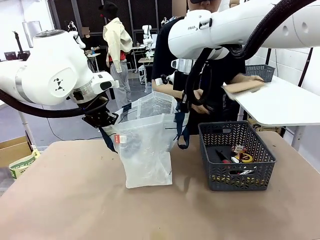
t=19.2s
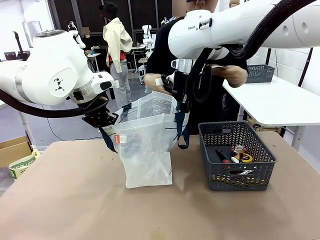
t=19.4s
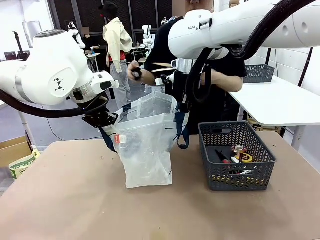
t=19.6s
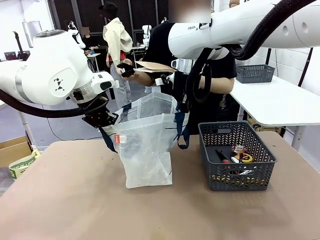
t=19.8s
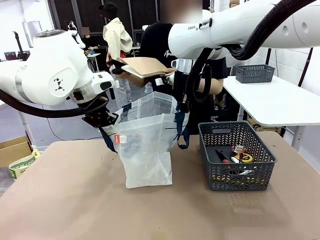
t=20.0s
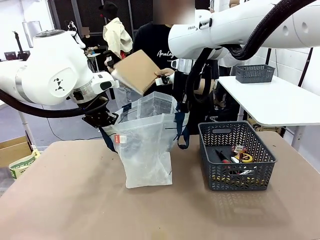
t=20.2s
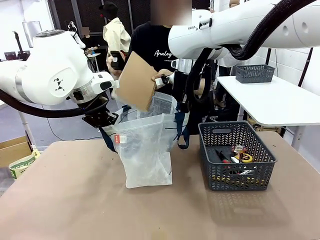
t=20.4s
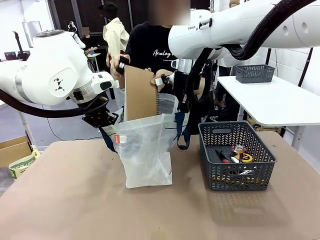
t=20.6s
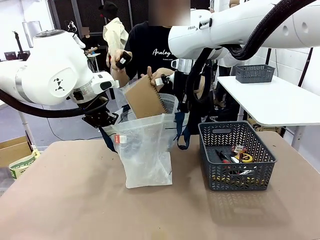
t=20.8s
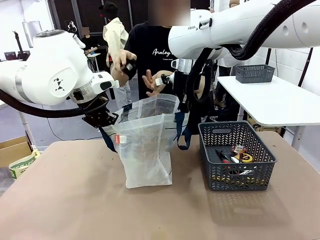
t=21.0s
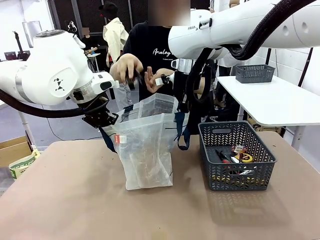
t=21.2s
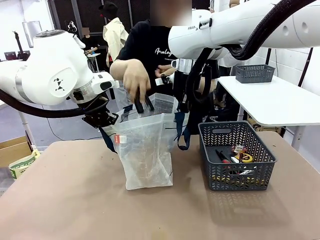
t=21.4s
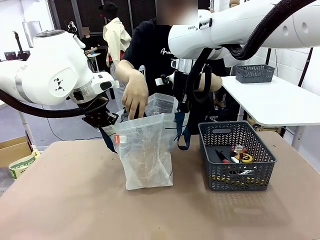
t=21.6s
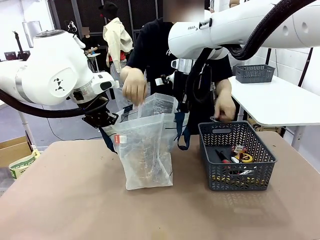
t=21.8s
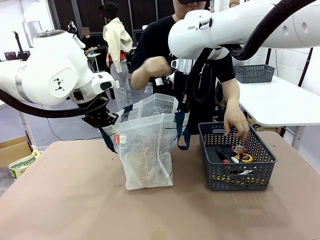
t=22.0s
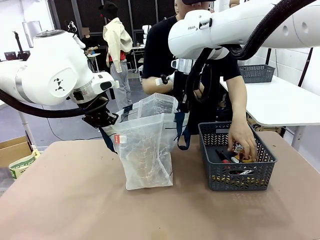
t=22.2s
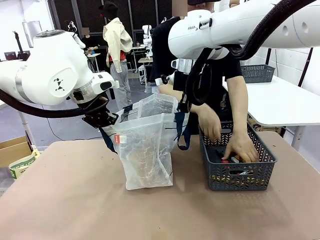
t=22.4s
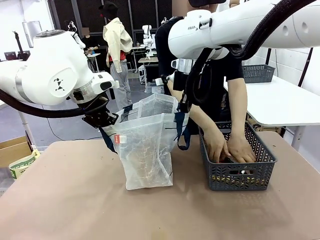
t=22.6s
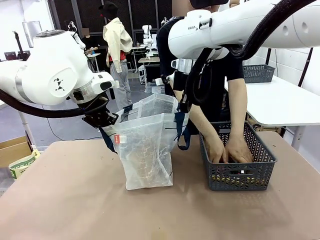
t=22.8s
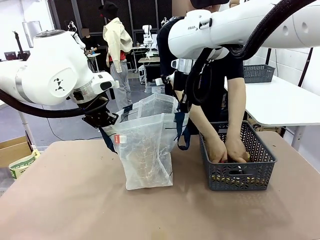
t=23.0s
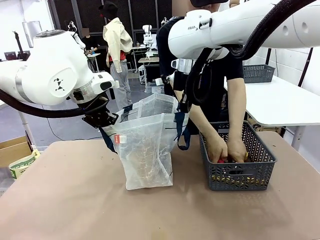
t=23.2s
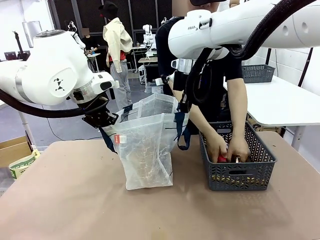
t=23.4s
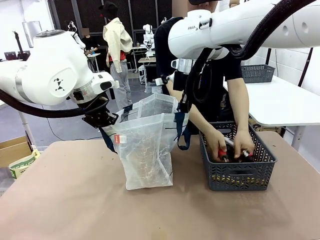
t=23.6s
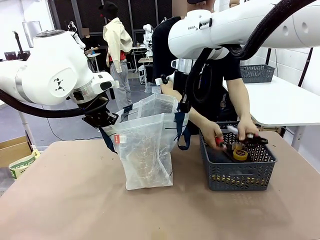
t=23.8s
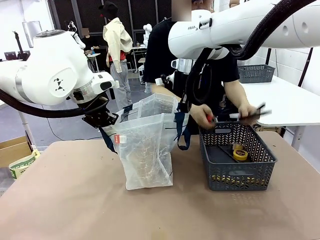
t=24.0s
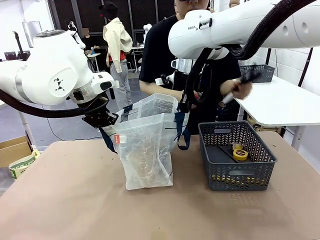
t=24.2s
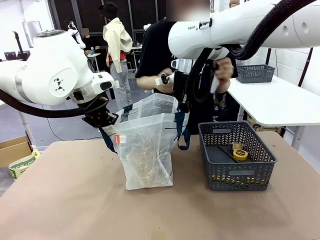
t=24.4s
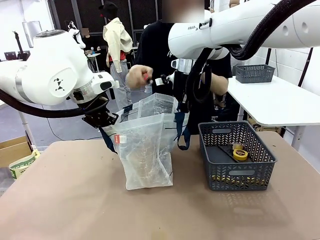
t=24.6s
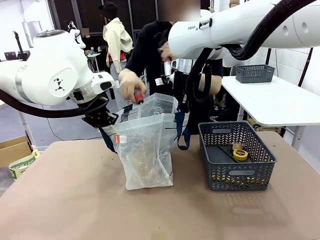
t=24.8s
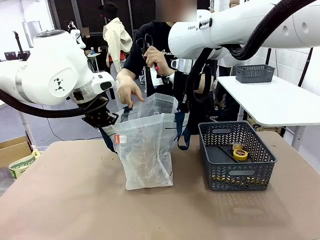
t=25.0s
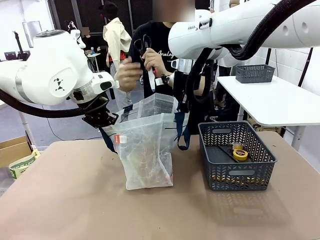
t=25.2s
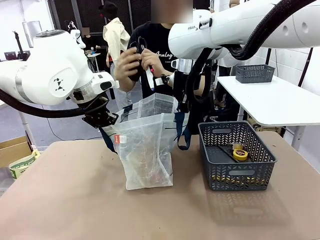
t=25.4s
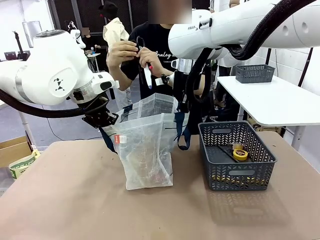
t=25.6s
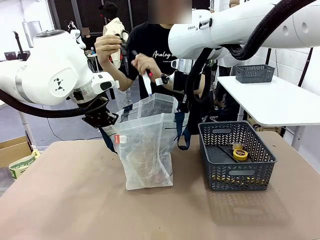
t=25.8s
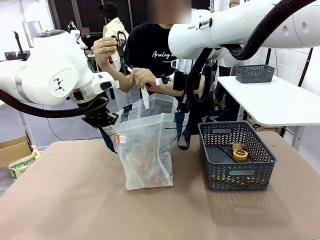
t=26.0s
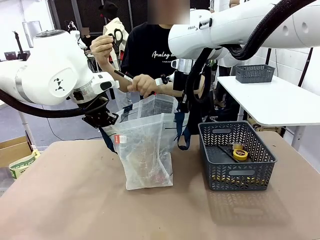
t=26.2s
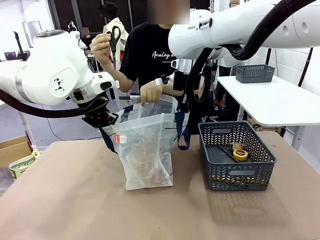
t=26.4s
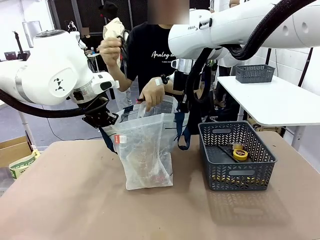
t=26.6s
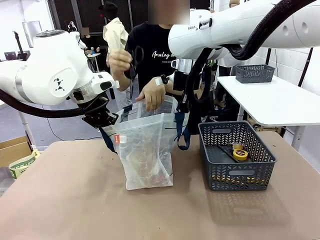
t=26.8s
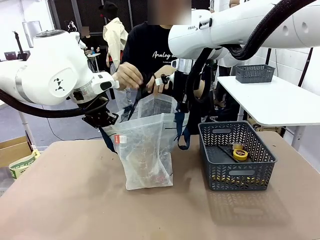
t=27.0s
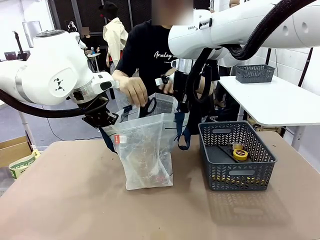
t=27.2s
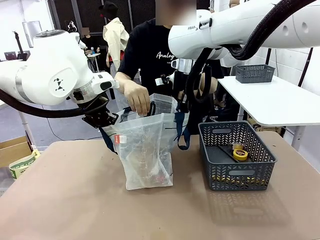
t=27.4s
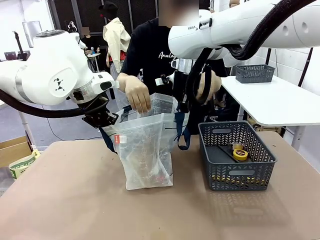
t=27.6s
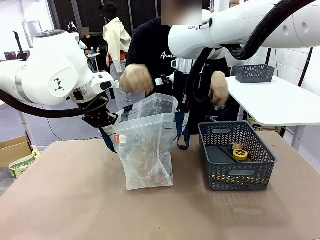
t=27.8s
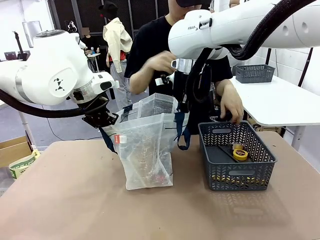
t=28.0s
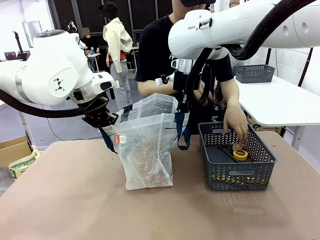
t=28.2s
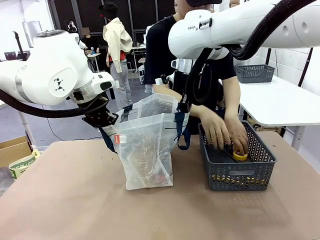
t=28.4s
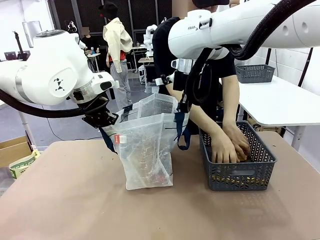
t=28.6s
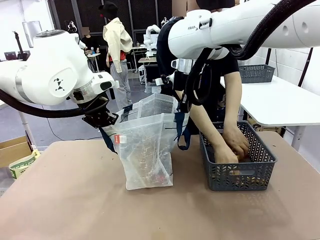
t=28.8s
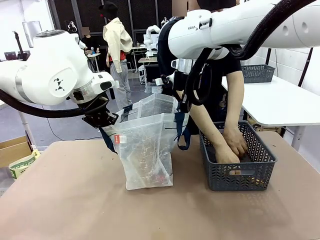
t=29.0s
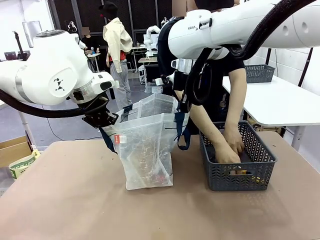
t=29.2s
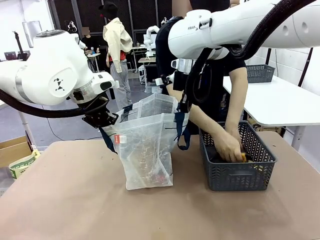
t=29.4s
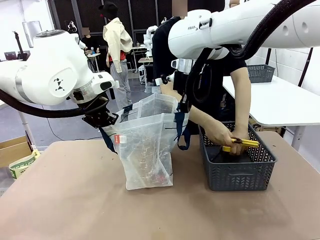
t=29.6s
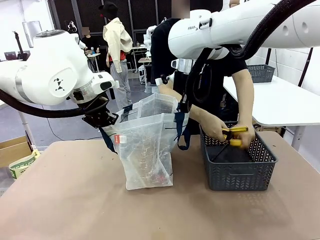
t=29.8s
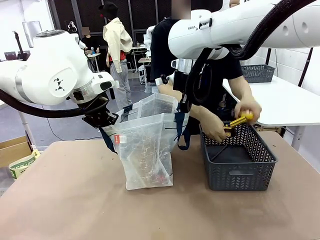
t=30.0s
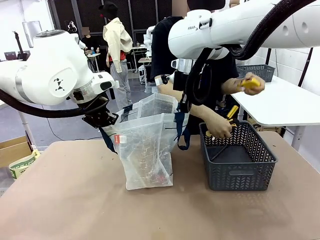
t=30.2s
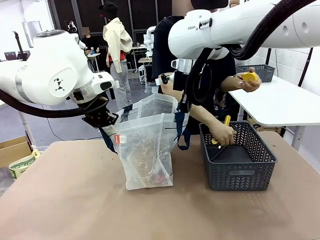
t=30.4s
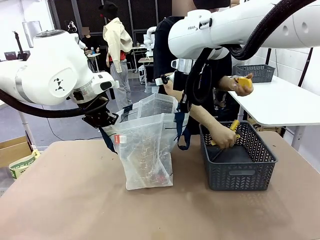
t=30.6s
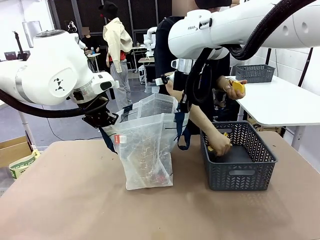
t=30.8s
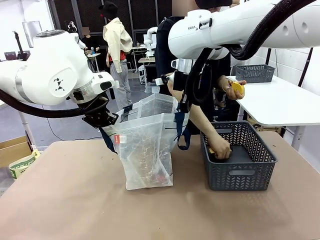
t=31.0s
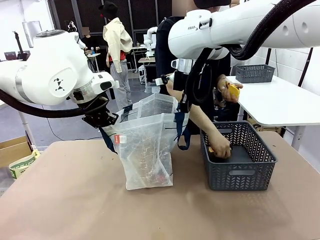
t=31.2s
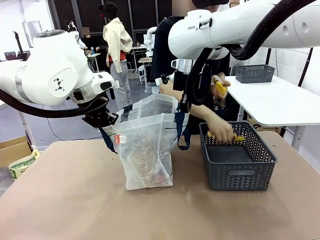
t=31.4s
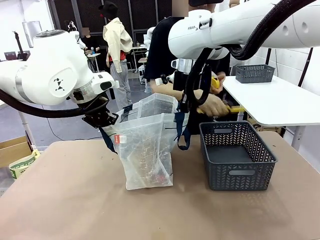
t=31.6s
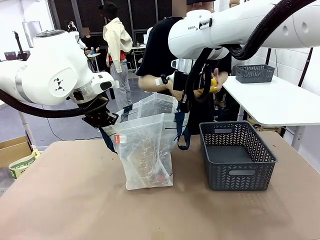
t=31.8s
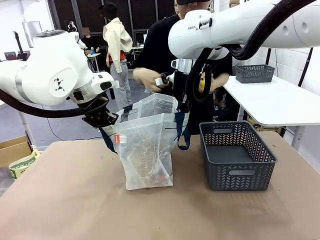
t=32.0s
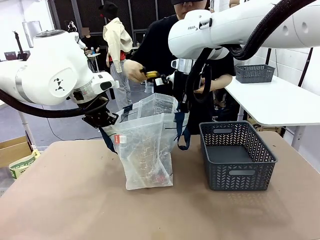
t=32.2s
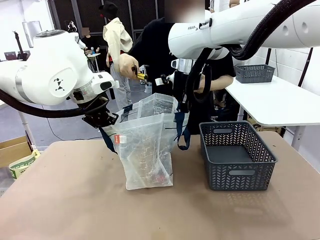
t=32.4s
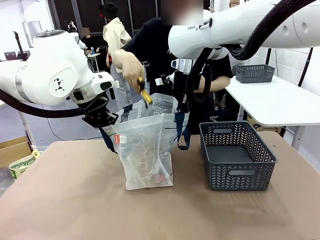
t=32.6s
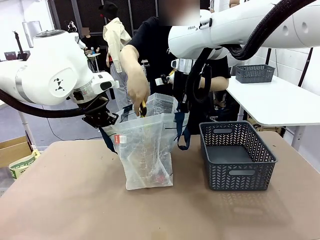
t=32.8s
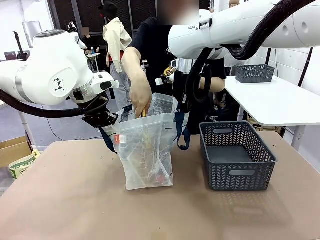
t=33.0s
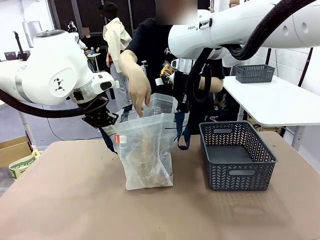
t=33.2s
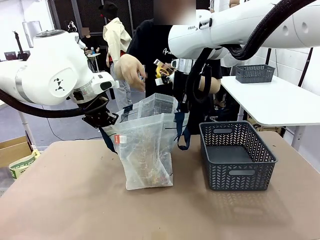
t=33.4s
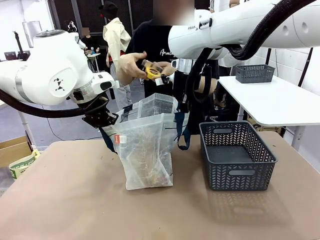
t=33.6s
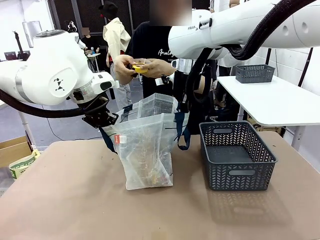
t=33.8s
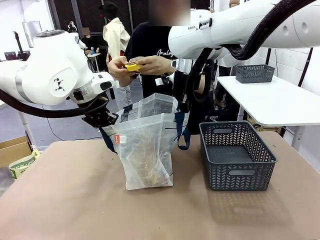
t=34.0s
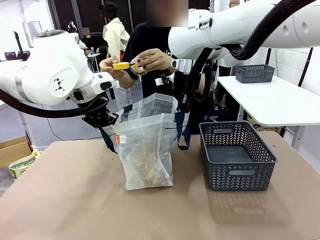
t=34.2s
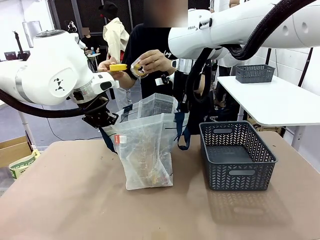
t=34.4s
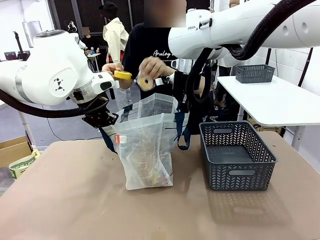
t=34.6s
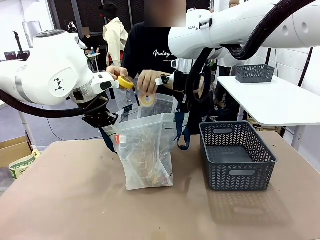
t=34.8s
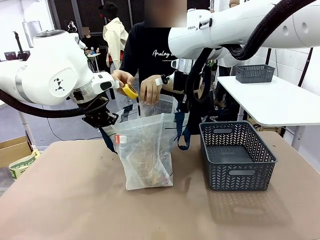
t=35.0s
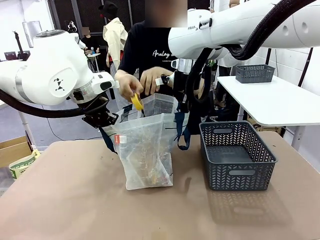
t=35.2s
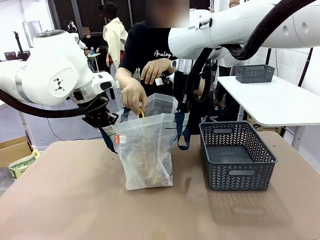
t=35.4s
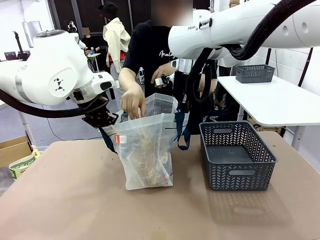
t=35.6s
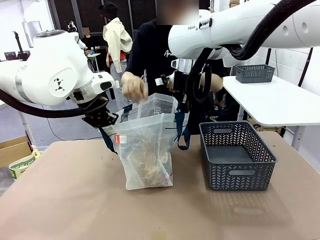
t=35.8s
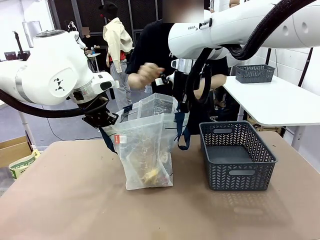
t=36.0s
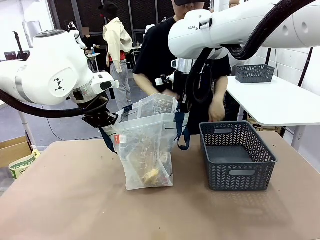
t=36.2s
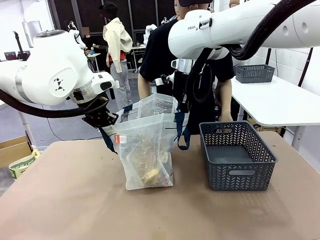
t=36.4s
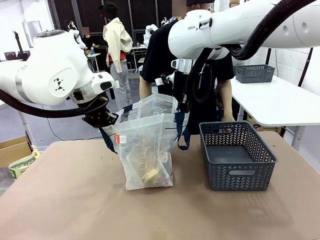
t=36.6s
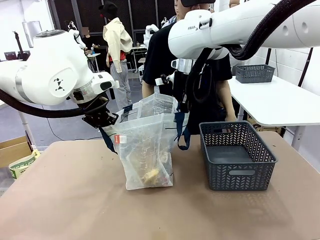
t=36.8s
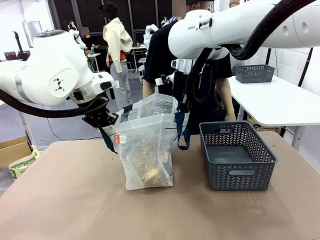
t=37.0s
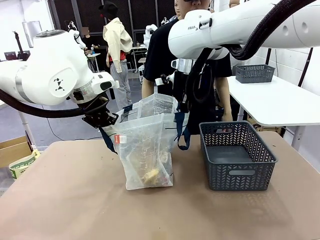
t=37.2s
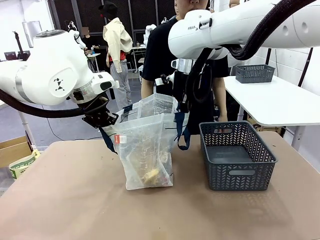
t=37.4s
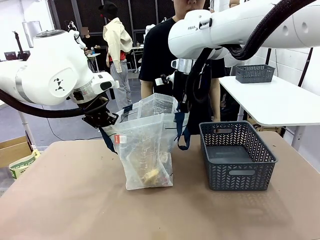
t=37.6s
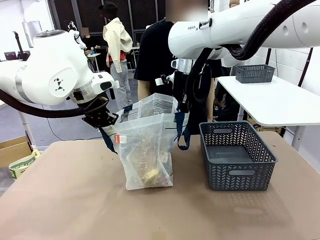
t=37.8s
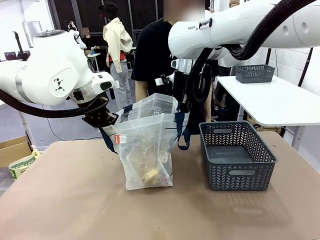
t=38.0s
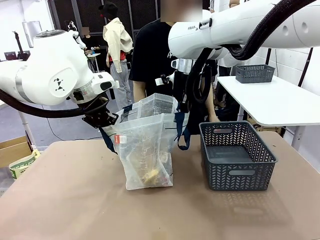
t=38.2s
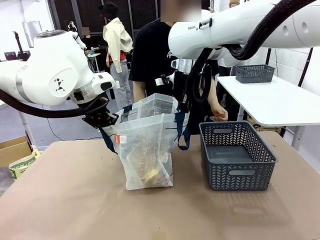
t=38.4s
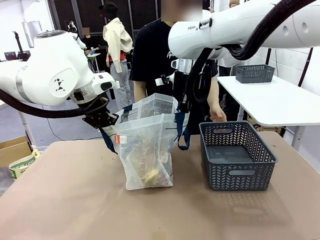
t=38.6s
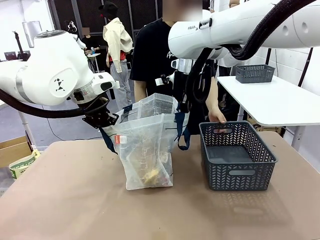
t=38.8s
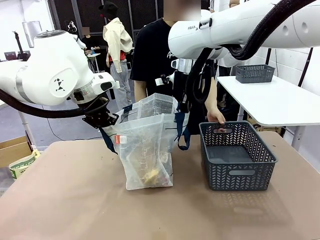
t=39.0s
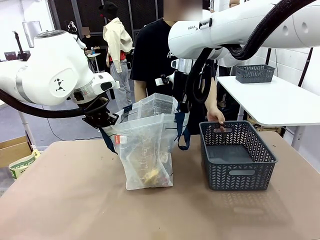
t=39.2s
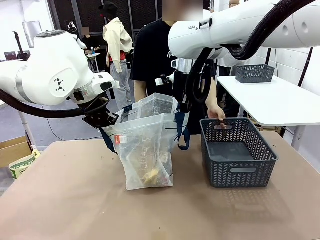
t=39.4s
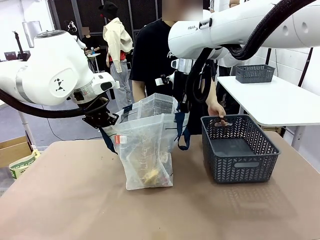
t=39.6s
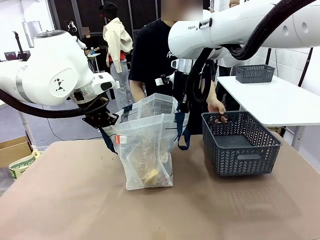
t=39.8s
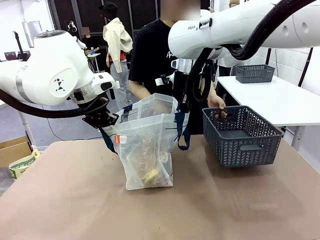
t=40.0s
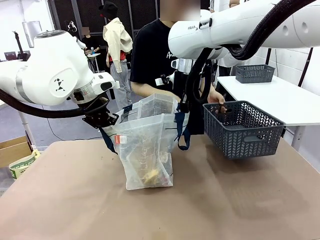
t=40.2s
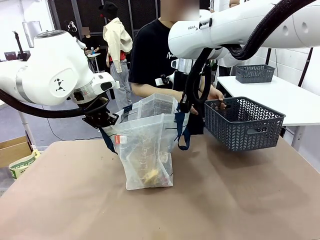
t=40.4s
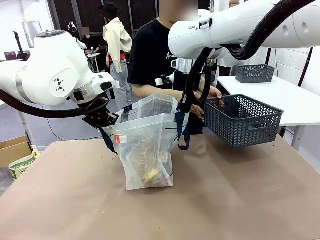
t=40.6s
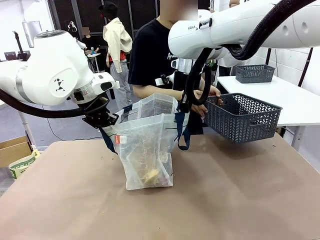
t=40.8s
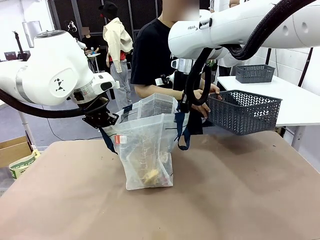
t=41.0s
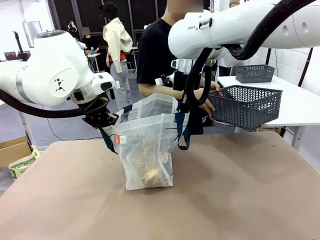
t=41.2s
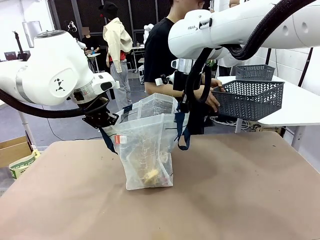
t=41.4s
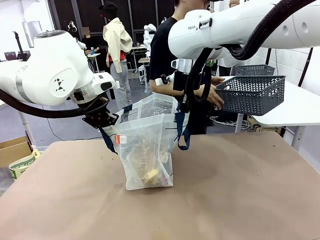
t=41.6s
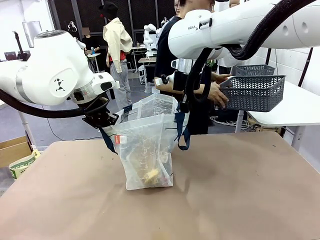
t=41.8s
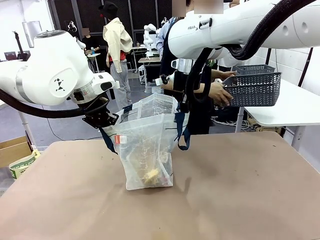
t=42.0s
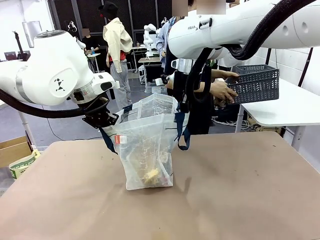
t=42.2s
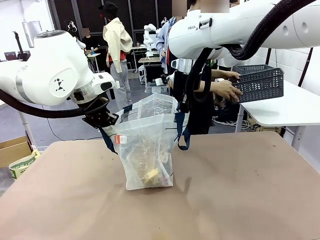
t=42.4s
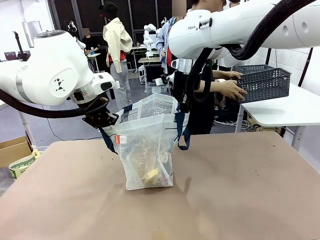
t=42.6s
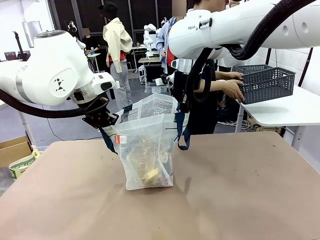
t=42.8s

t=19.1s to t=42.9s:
Task: Transfer purchased items from the store into the shopping bag.
Robot: Move the Reusable shopping bag to the right side of the table.
Person: Pick up the basket on the right, place it on the left side of the robot table, and move the items in the basket to the shopping bag. Pick up the basket with the items out and place it on the right side of the human table.
